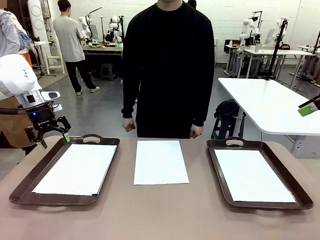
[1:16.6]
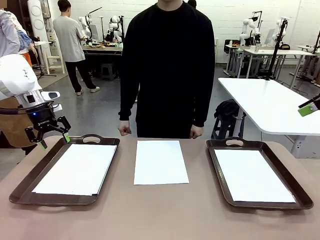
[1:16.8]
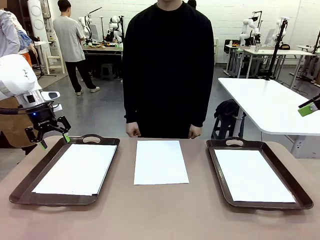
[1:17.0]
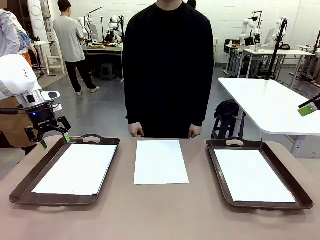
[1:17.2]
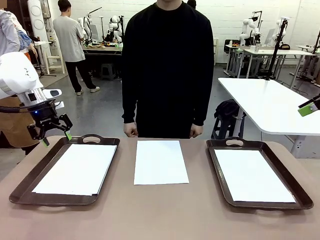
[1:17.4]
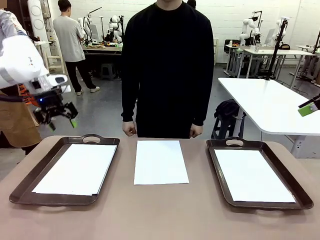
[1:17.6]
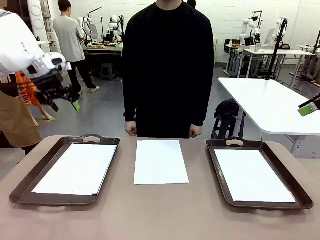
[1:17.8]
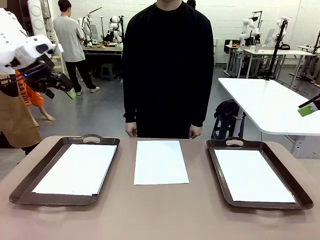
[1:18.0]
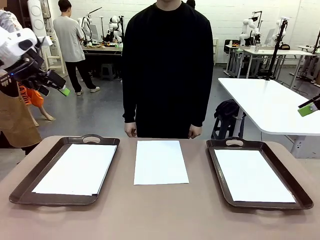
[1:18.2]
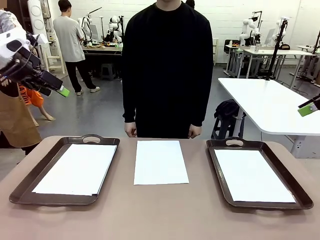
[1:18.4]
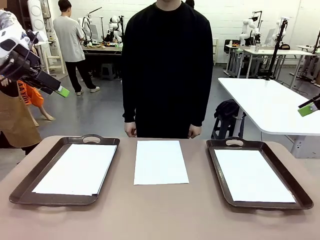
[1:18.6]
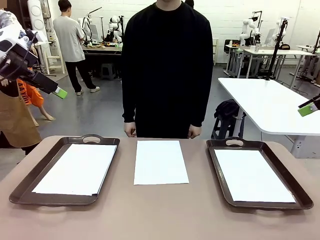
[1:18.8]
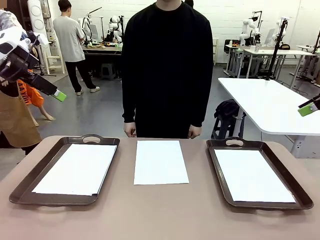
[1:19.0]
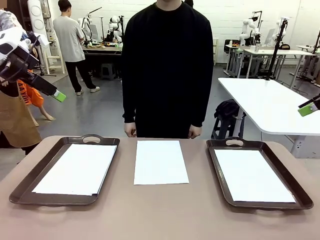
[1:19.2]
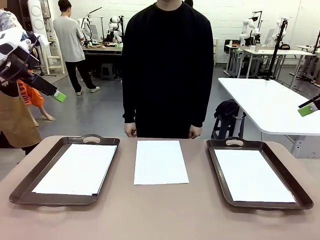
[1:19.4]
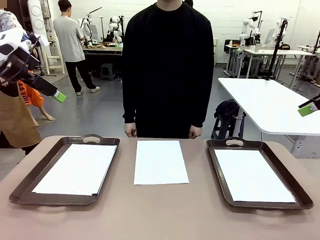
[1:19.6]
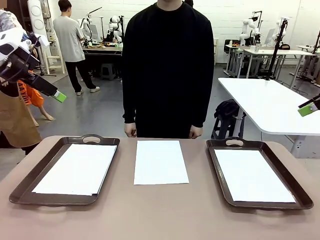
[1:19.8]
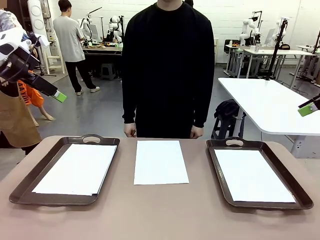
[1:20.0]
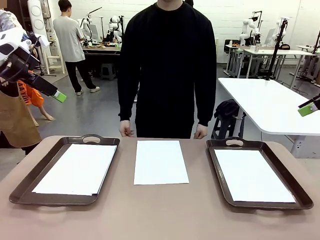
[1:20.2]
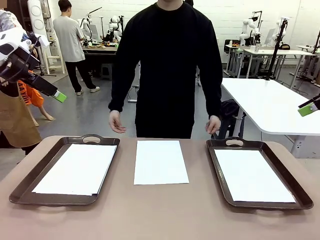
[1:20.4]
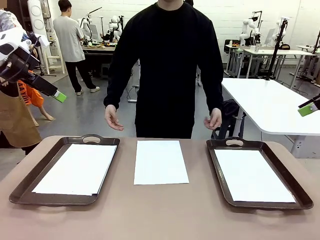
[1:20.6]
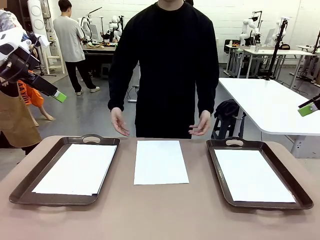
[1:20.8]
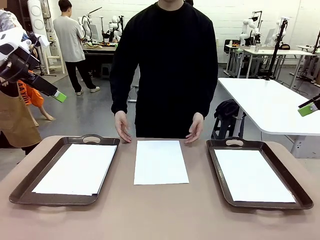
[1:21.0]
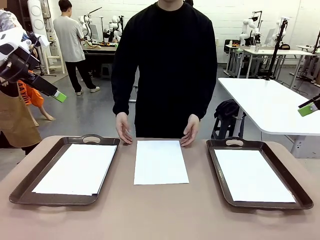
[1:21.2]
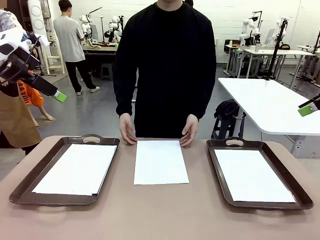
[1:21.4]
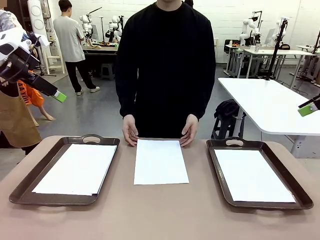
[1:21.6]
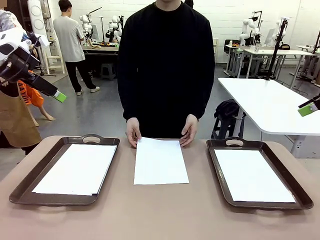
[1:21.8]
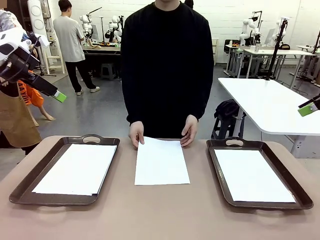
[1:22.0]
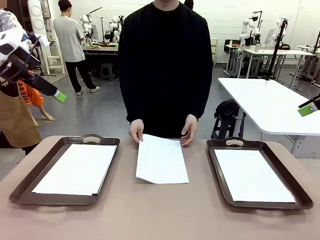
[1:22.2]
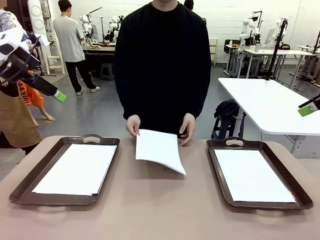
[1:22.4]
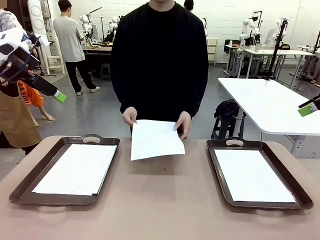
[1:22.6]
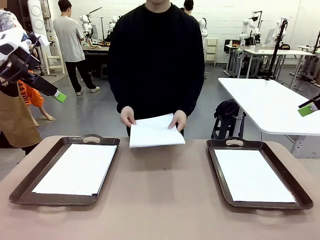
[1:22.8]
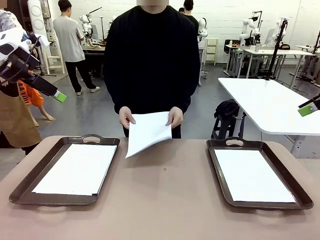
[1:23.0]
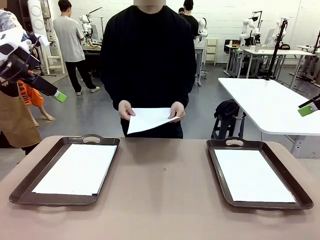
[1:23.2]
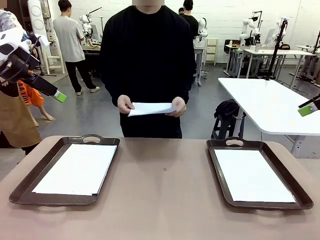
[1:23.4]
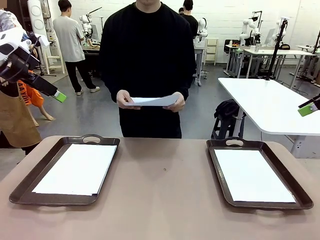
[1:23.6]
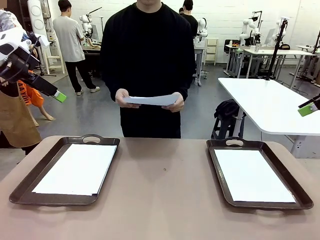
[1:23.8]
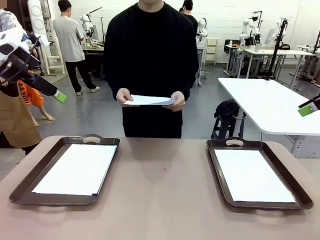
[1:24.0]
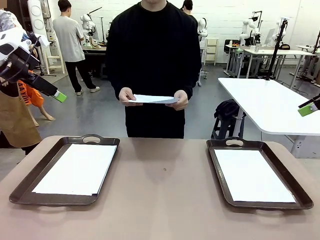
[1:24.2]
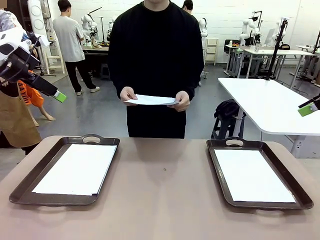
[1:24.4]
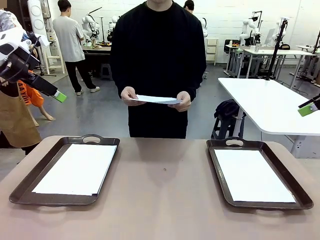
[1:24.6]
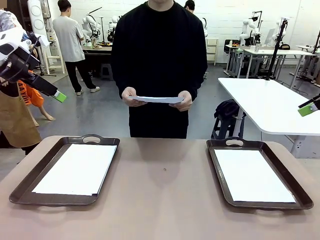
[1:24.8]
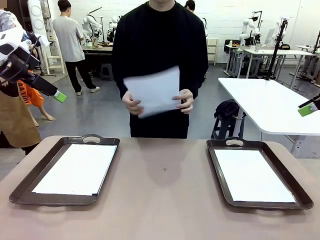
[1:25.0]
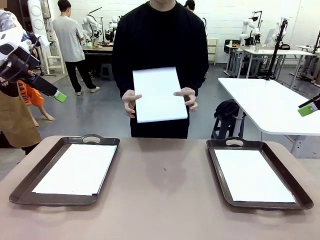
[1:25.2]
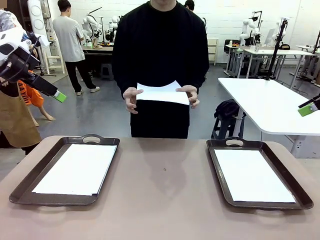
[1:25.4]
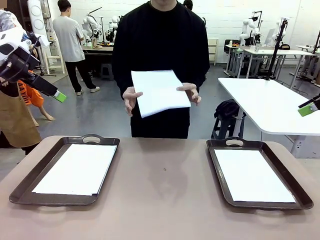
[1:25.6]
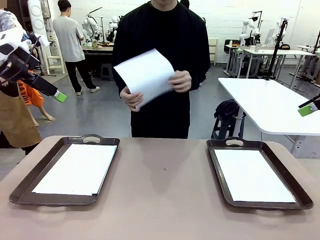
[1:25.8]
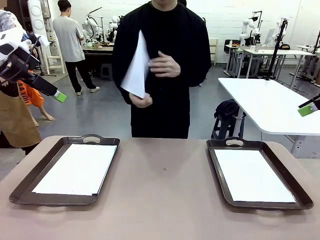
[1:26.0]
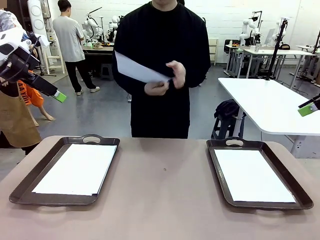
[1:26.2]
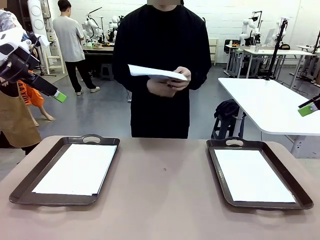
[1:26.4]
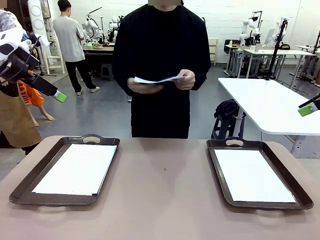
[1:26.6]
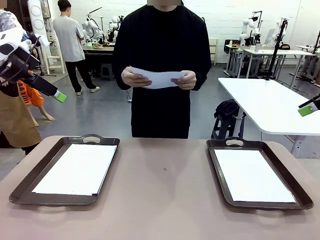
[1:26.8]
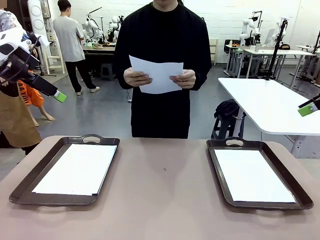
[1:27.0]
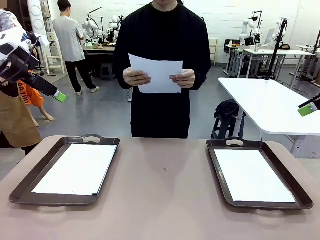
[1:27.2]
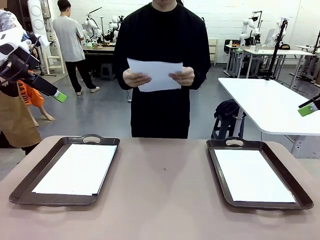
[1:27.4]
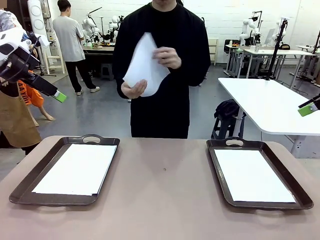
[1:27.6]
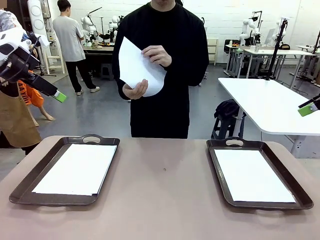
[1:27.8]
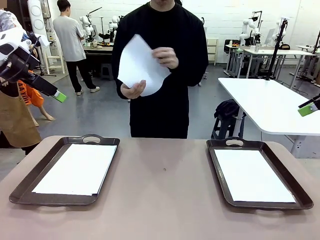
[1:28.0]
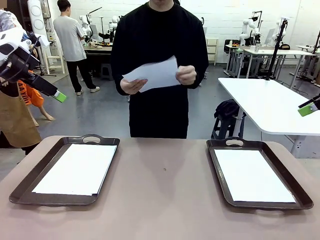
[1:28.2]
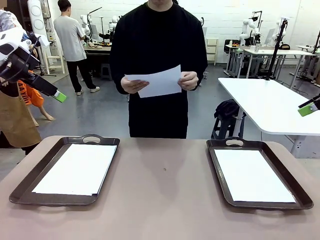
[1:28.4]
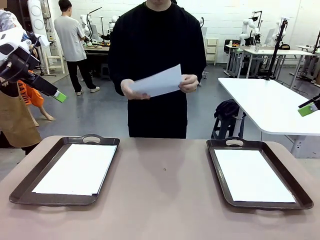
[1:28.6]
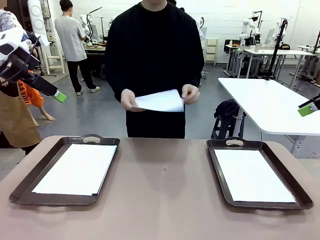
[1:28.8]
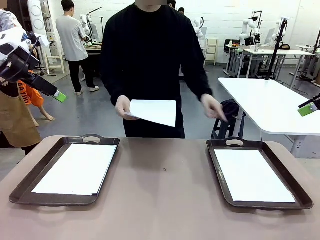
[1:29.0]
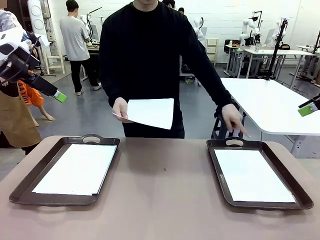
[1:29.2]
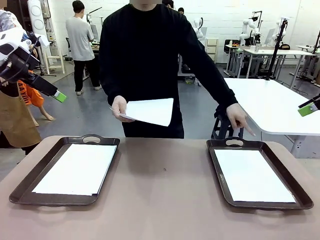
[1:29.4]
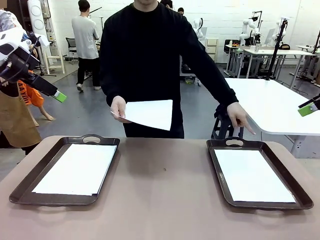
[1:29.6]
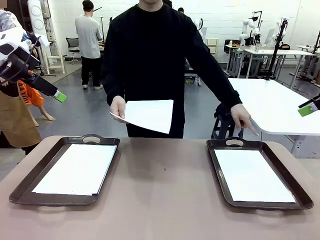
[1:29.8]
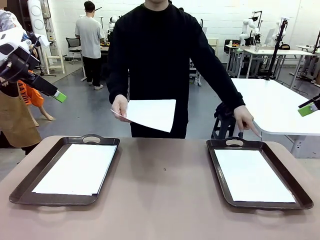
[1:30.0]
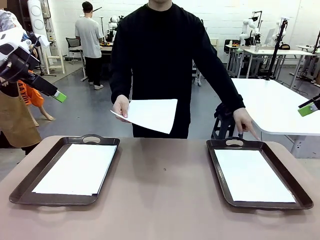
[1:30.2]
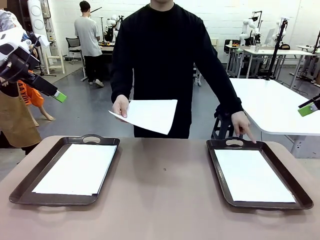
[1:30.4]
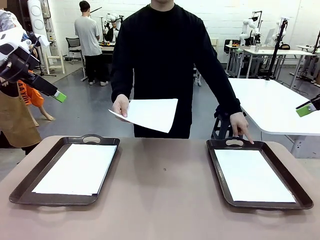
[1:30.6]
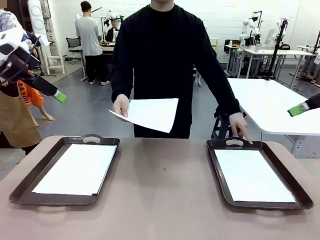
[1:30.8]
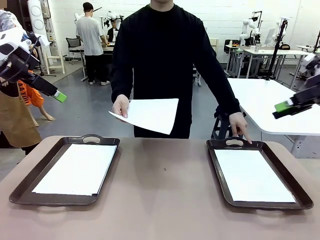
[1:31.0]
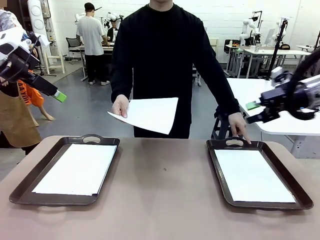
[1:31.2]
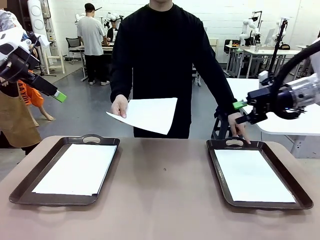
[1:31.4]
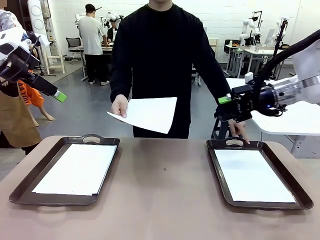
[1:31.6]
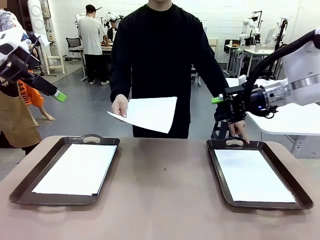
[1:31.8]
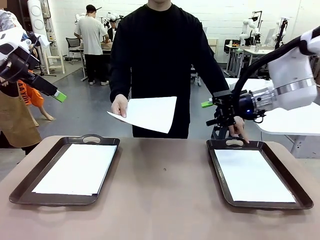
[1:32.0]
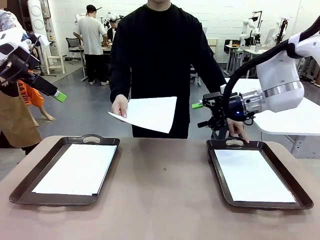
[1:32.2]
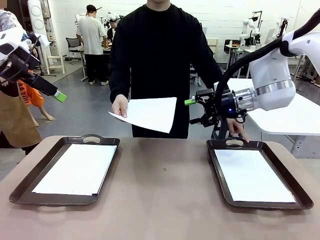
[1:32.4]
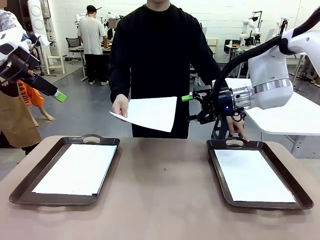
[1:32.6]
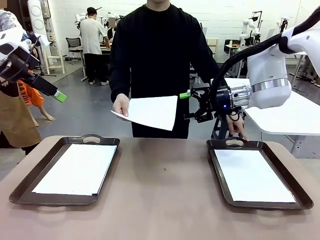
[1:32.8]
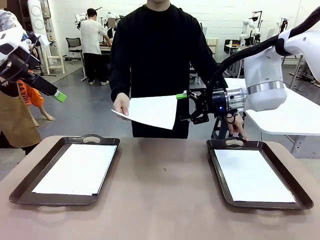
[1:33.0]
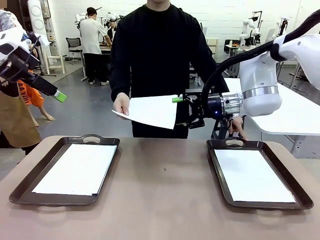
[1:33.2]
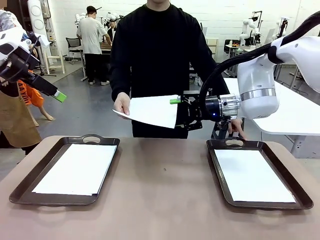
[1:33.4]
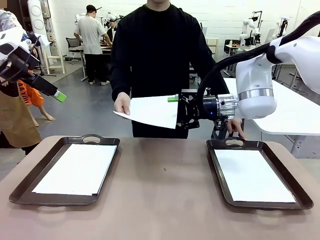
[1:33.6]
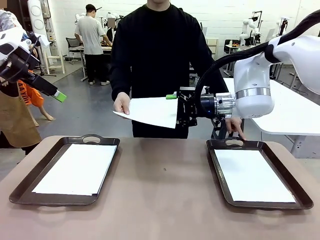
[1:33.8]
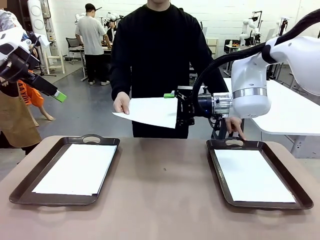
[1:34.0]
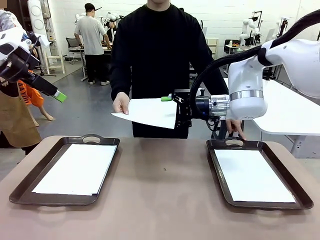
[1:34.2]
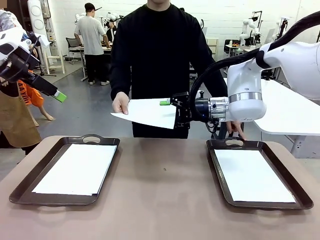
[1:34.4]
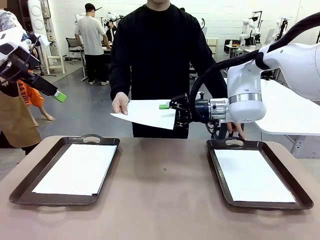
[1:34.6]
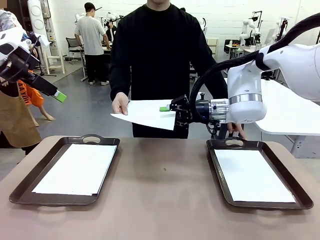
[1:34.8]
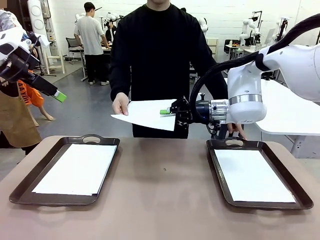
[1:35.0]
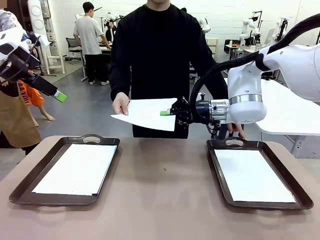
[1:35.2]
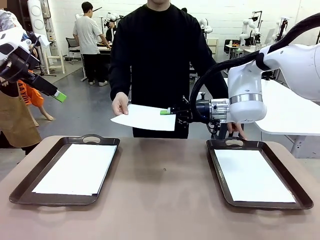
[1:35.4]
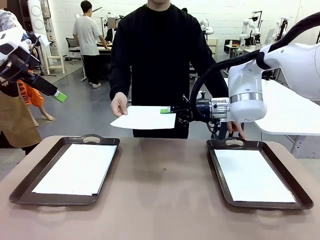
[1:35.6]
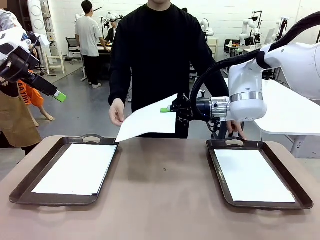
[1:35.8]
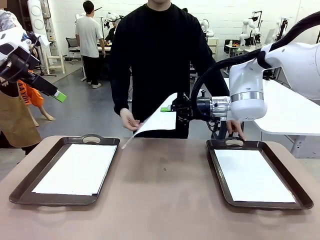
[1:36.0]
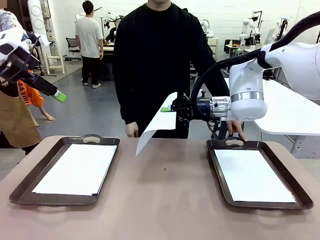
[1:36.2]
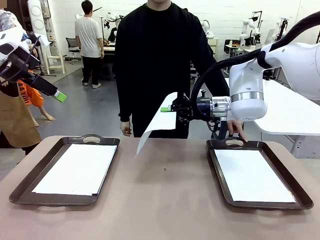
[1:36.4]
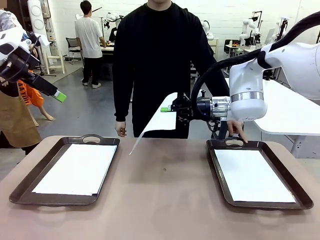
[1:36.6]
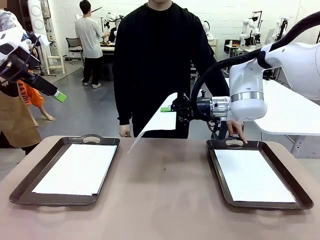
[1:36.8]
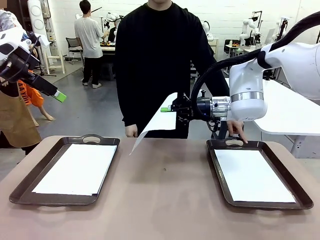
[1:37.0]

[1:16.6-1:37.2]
Task: Sort the A4 documents.
Robot: Receive the A4 Paper.
Person: Point the randomly selected tray with the other hand.
